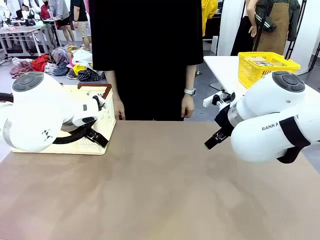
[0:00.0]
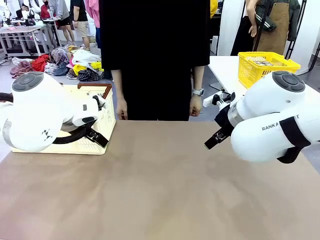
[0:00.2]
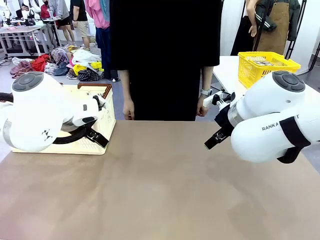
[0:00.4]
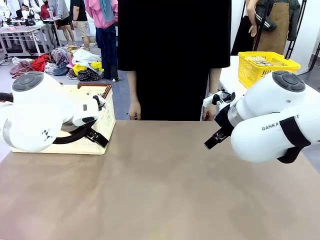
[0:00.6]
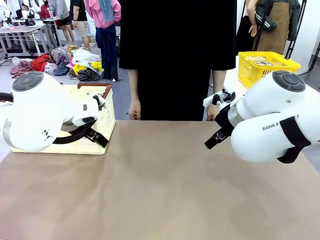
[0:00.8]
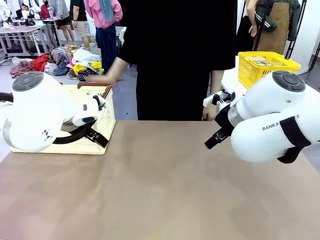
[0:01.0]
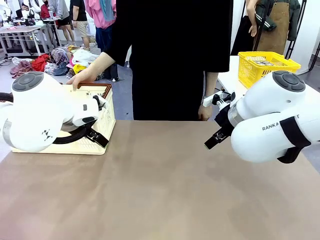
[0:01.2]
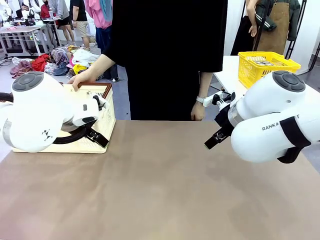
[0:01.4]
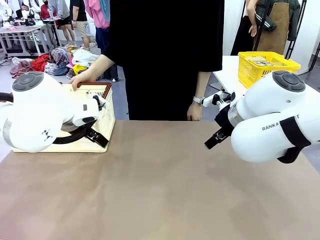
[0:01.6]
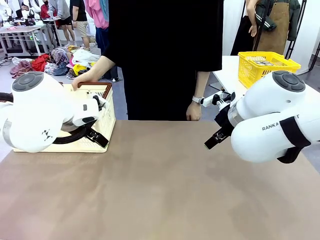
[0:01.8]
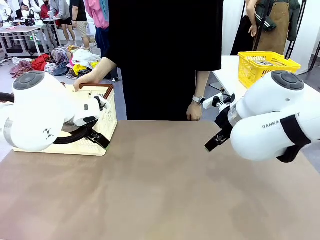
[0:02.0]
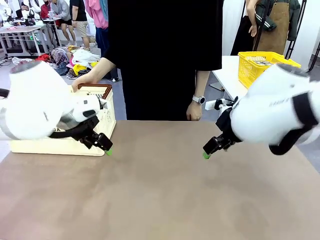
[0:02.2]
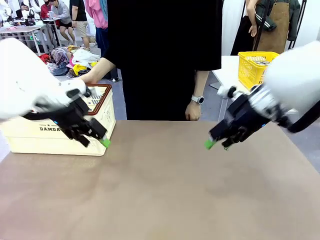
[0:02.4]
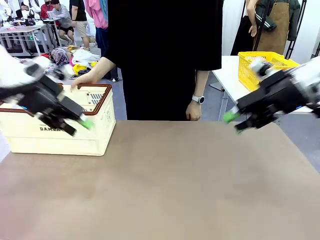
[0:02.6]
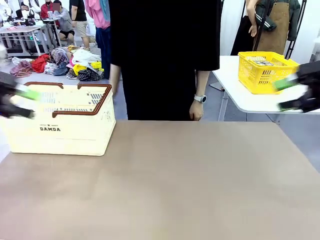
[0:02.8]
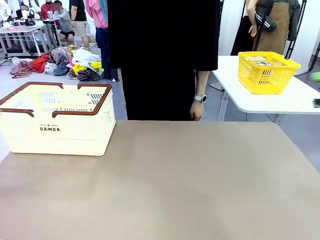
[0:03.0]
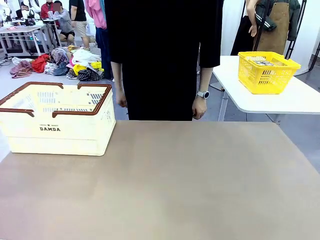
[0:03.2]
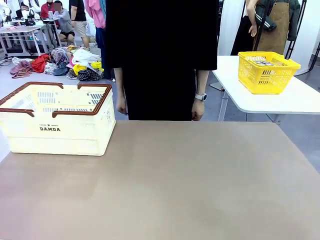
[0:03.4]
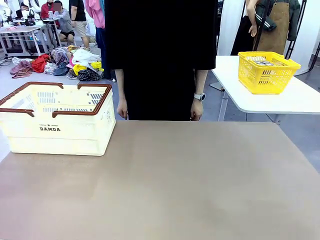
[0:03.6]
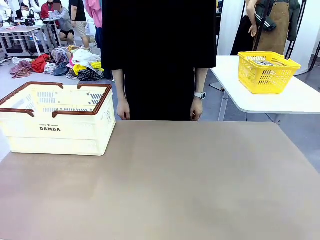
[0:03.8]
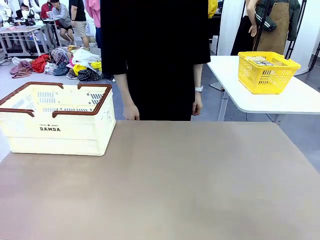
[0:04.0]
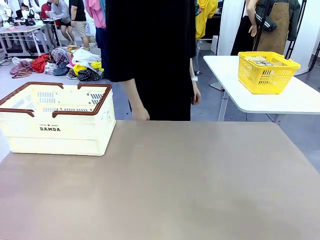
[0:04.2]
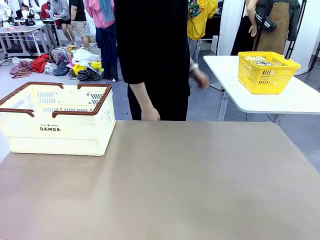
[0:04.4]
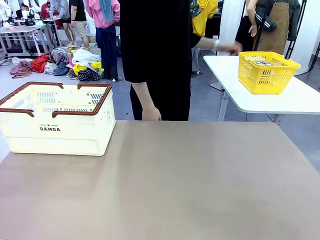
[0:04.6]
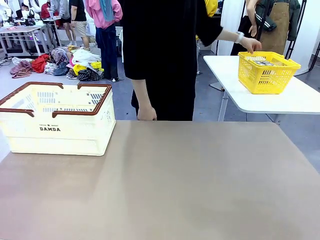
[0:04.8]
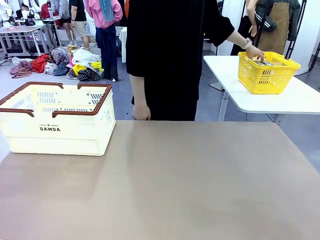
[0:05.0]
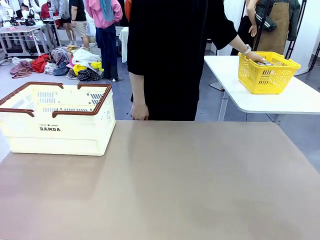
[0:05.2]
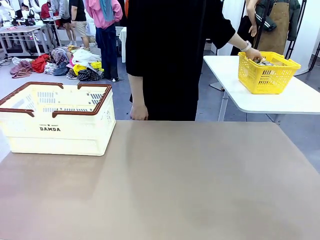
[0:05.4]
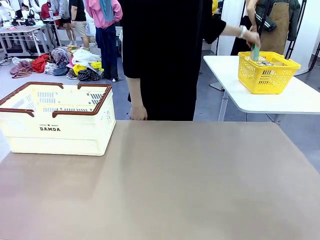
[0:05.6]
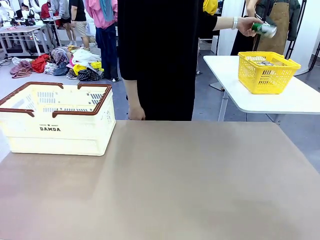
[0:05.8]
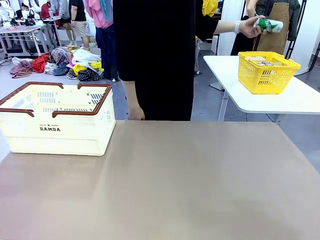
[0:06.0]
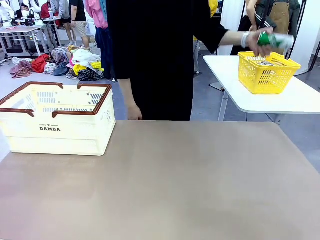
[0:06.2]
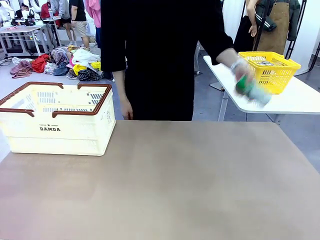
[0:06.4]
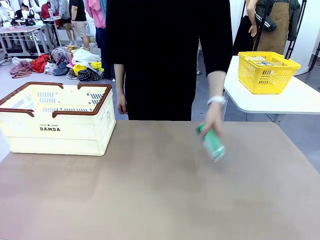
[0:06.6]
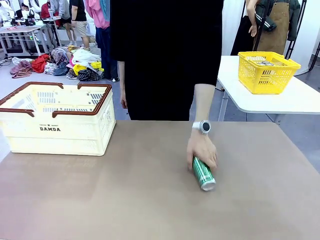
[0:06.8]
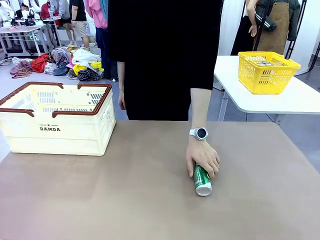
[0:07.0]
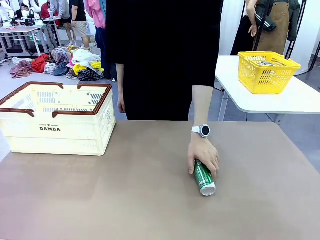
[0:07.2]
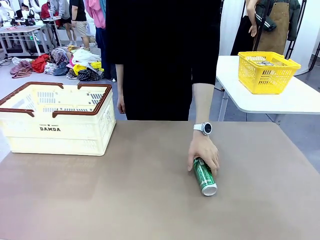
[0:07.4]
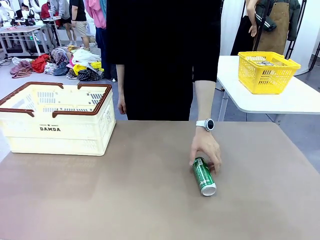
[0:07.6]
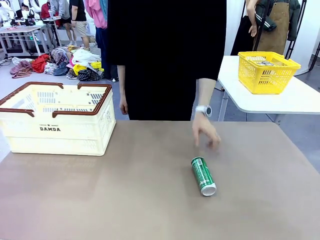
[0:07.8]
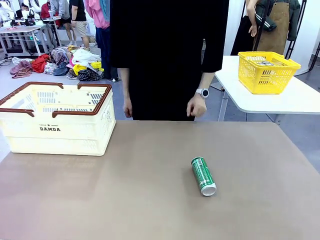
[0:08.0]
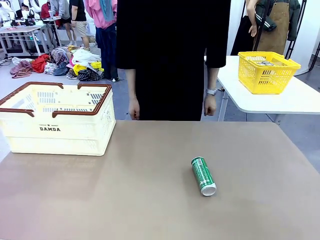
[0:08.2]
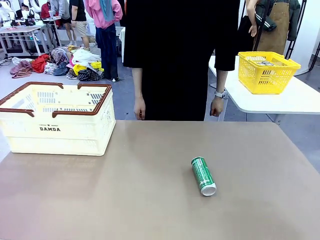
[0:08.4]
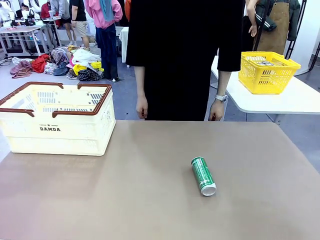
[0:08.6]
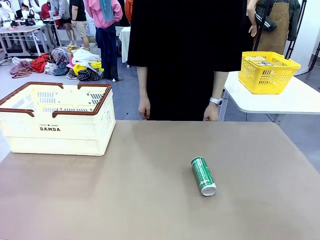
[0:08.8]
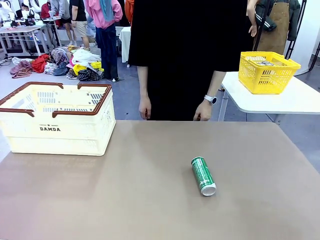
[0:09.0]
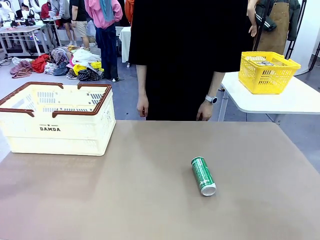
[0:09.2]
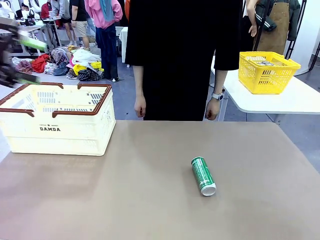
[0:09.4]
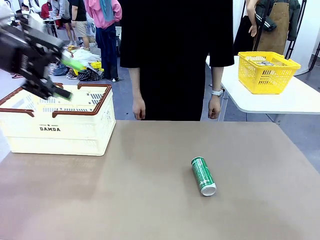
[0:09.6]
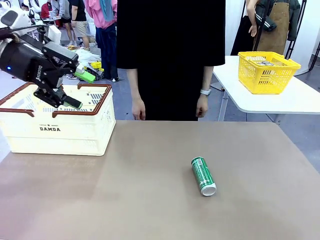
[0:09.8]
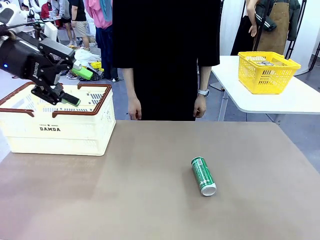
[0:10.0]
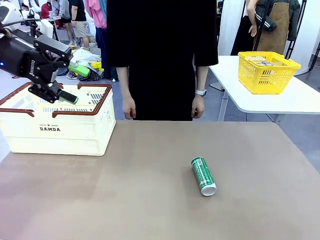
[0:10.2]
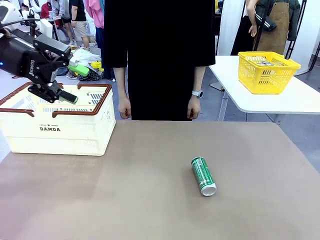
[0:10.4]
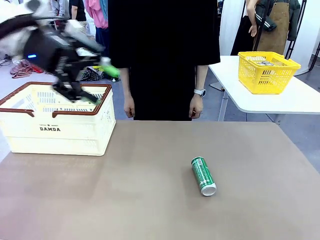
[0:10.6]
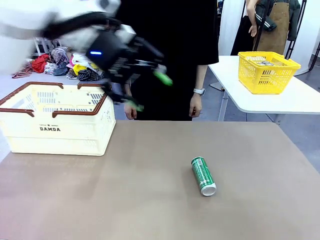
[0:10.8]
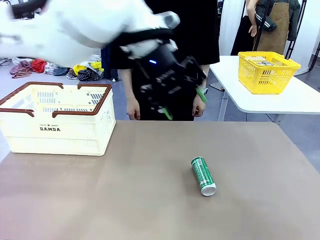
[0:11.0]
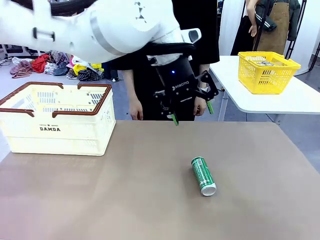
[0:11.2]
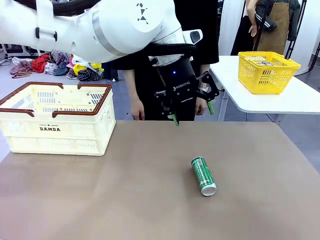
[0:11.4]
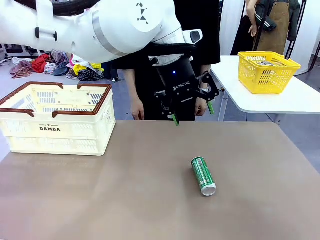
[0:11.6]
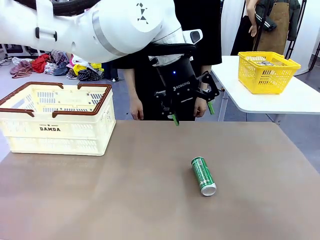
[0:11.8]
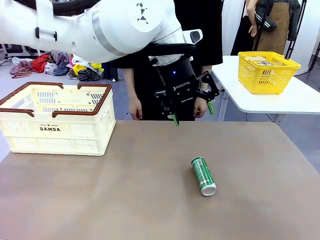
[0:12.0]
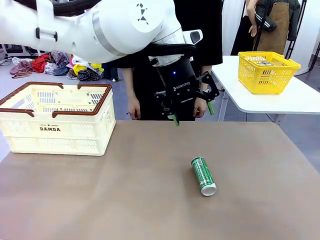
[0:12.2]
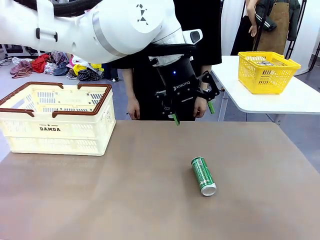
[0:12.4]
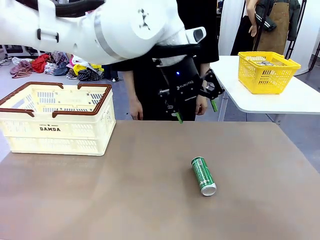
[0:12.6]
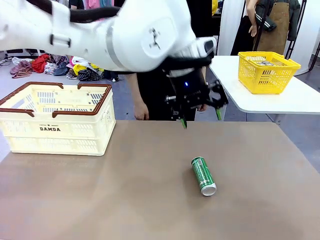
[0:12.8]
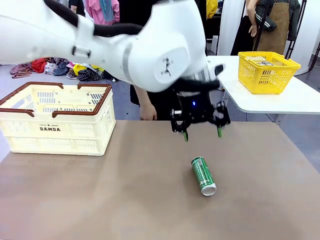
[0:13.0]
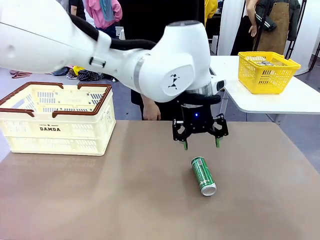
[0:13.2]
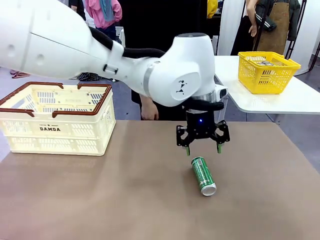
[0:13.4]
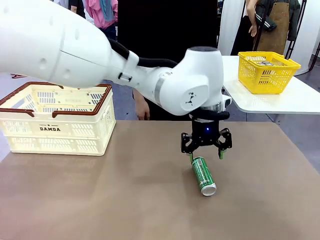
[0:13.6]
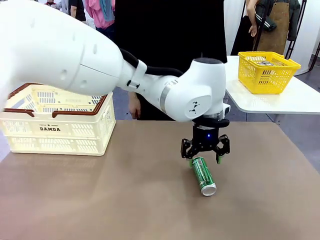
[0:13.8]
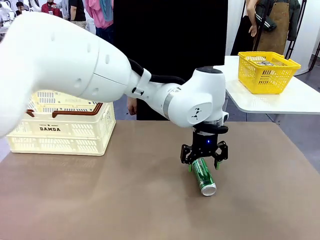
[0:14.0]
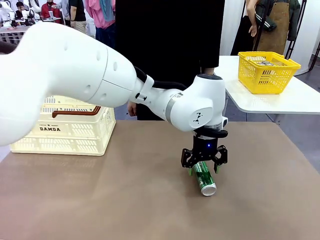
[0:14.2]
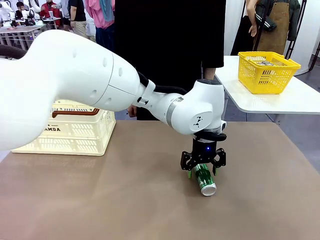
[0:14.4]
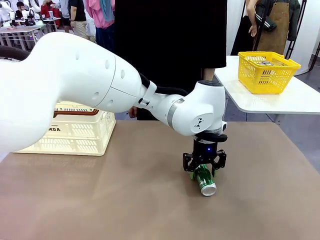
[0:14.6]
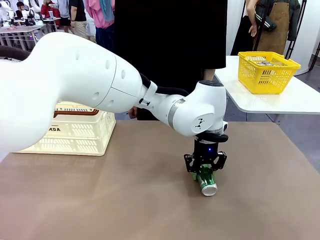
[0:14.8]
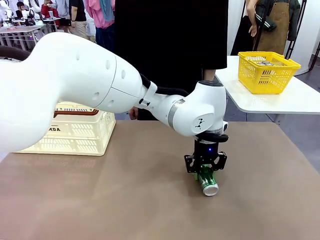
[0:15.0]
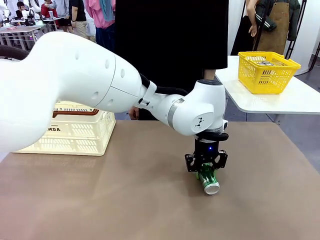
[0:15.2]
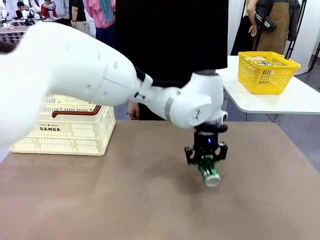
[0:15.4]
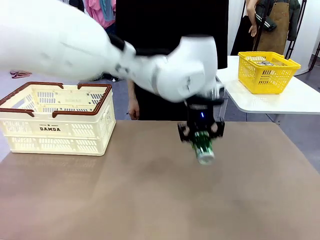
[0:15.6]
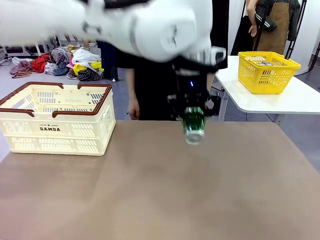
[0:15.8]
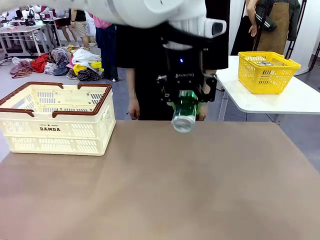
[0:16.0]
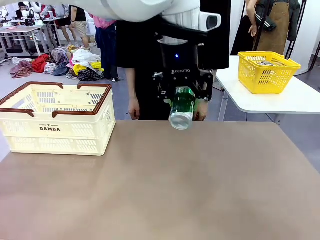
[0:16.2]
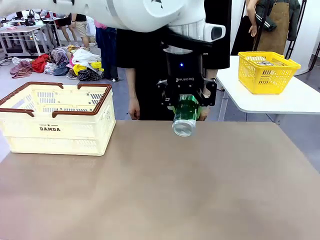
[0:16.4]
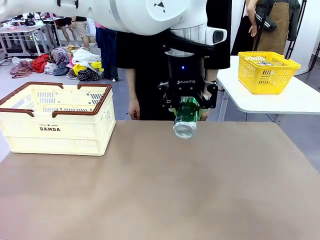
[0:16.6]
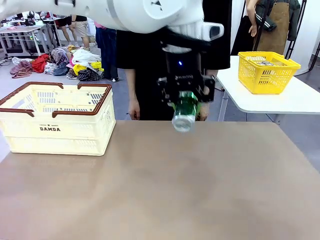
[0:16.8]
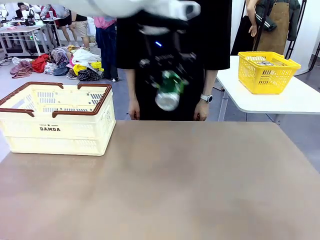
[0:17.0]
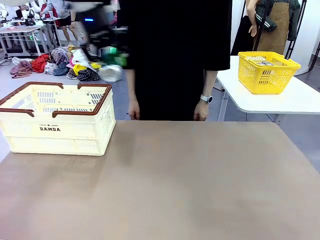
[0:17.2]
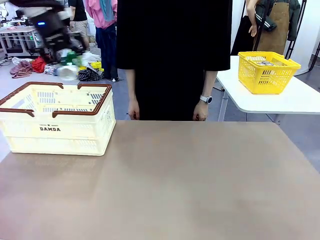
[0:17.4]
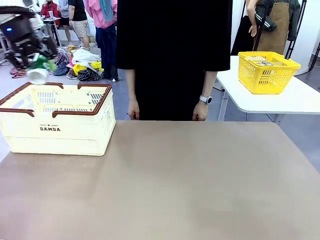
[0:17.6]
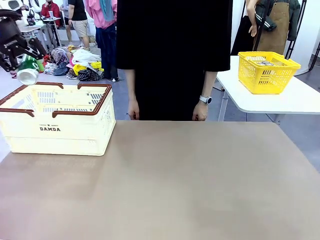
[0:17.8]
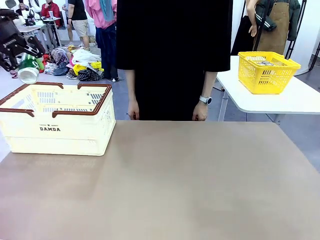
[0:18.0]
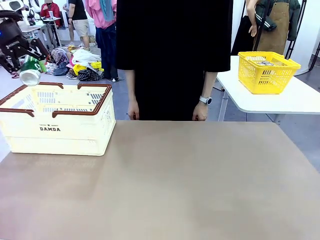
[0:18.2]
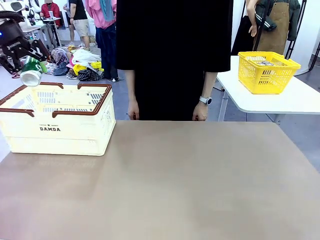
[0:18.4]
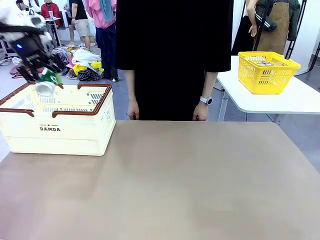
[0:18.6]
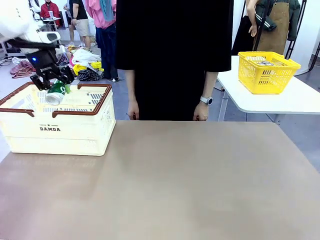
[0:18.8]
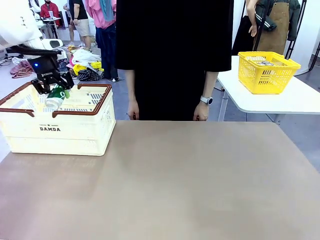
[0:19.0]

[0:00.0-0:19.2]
Task: Place the drinks into the Shopping basket.
Robot: Pick up one drink and place it into the Shopping basket.
